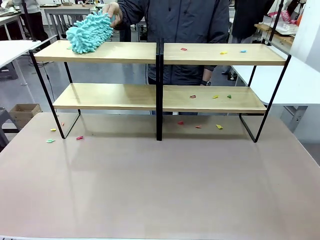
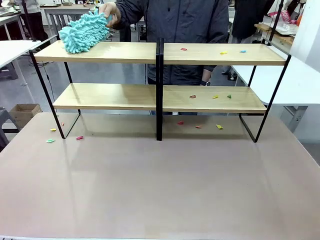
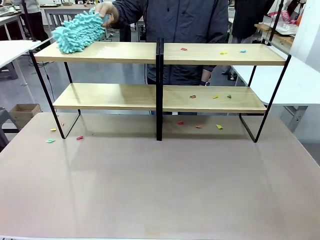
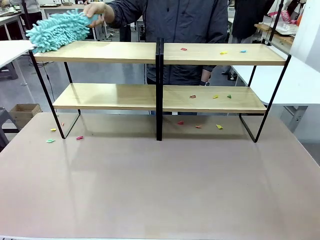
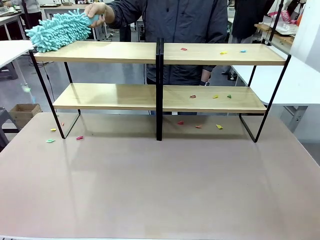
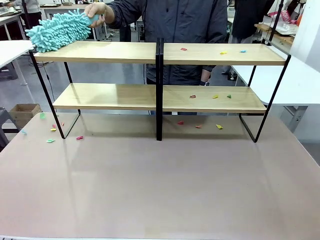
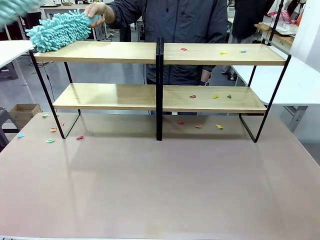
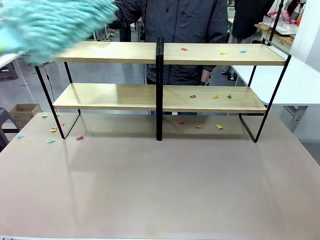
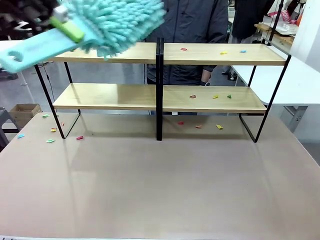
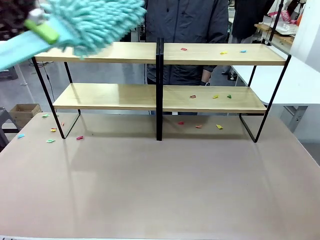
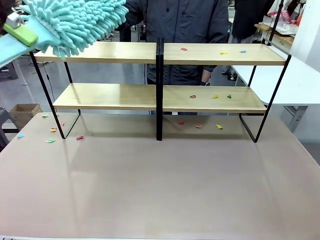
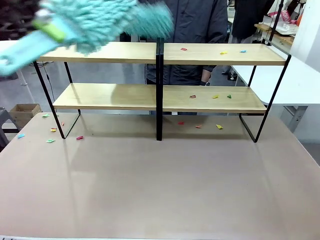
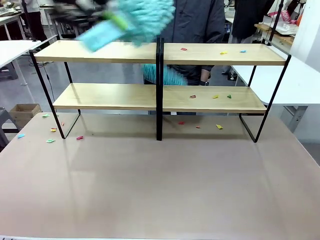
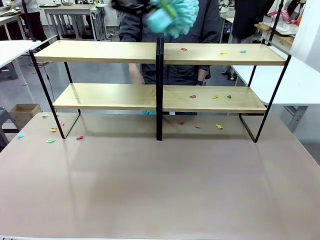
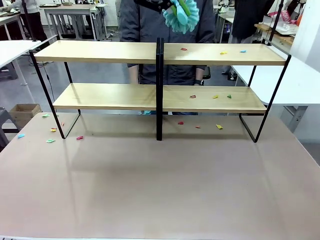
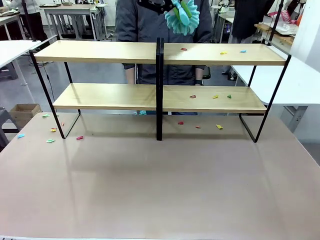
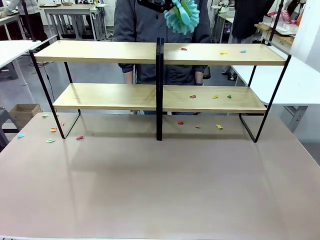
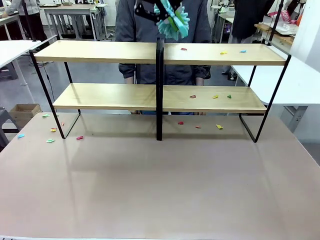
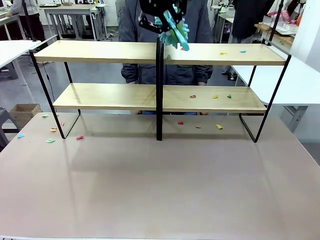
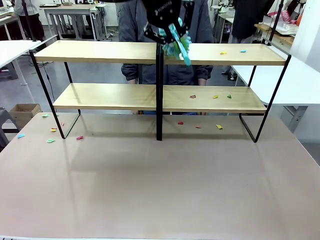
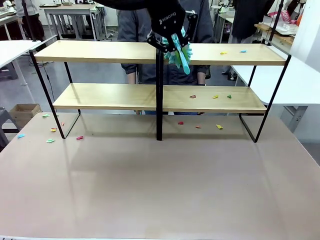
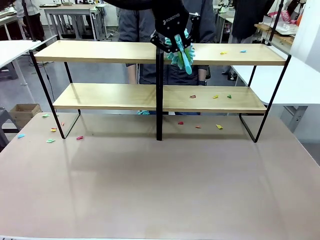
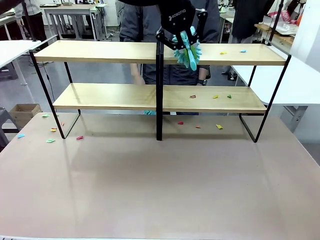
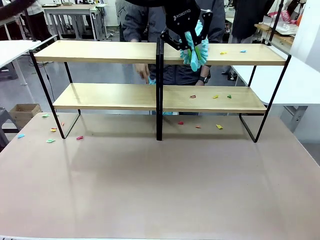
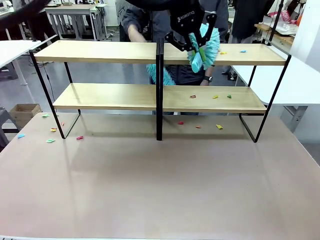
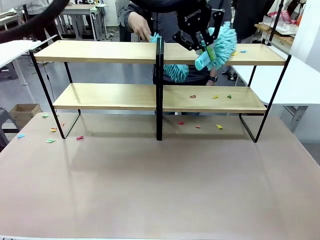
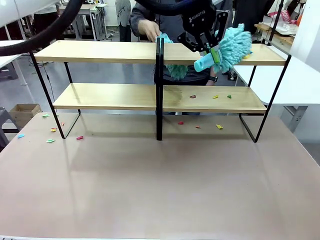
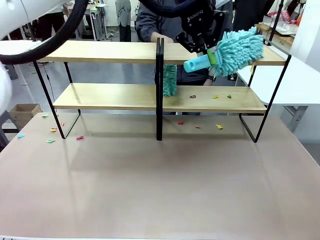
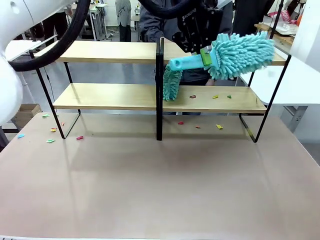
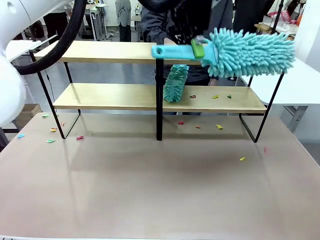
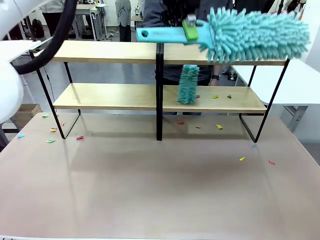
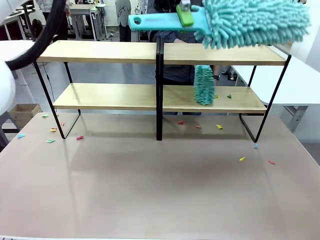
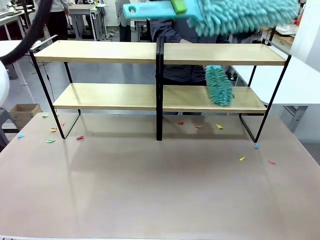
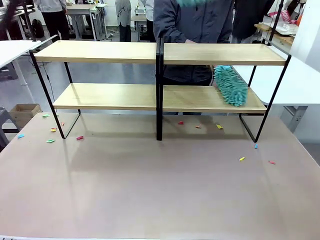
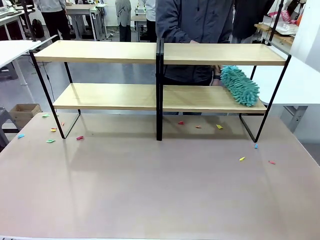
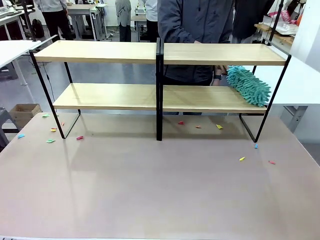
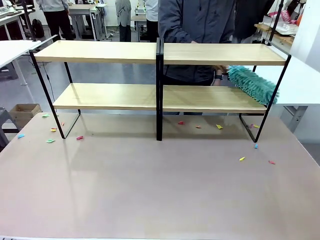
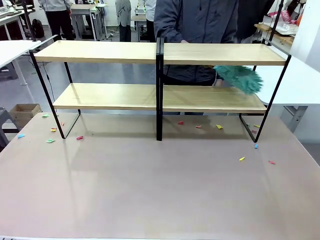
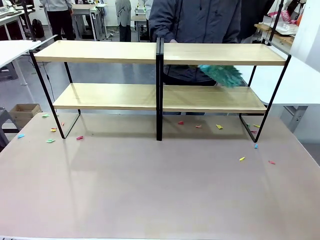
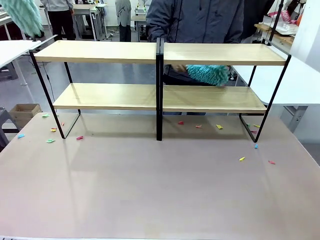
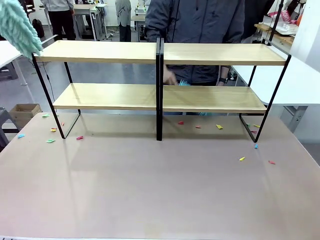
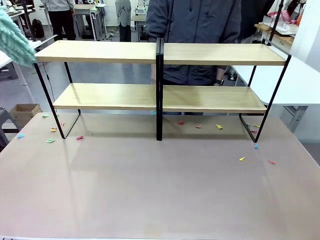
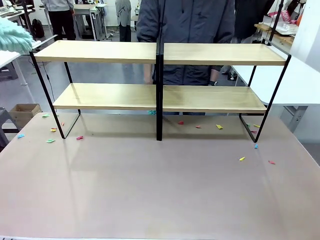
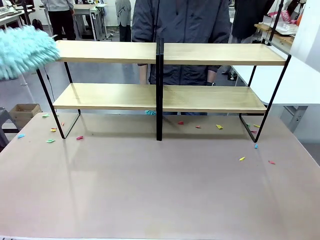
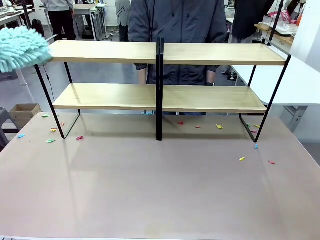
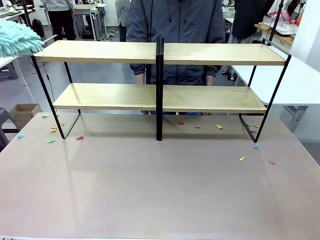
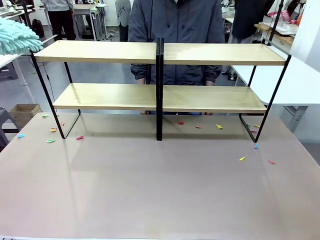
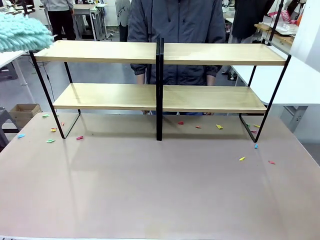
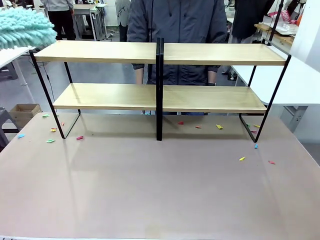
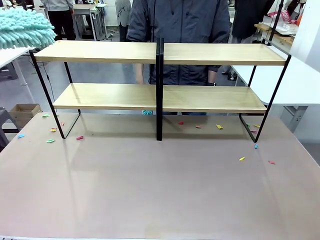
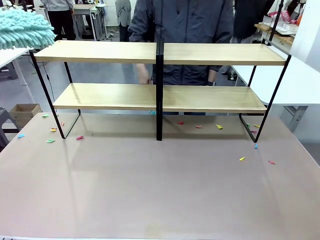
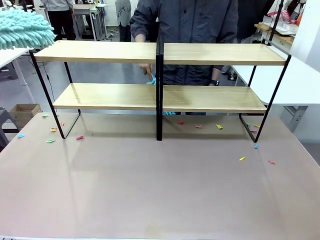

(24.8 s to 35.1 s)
Task: Clean the shelves.
Robot: Clean another randomly selected level of the Shelf with the Duster.

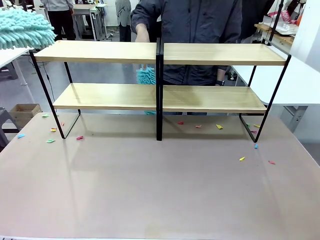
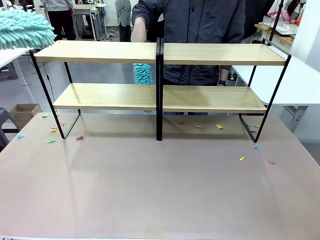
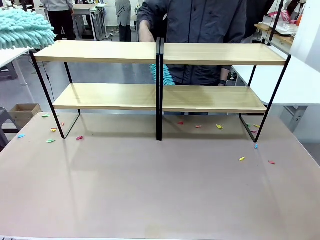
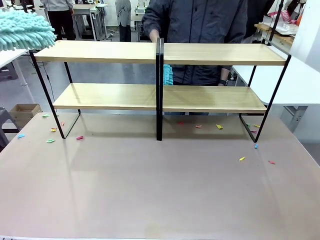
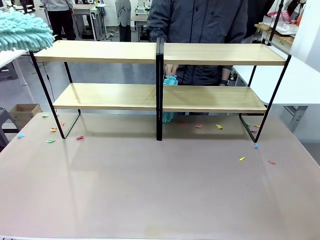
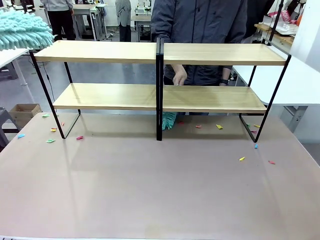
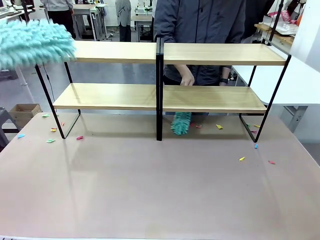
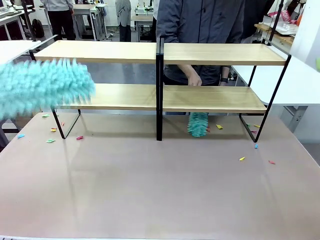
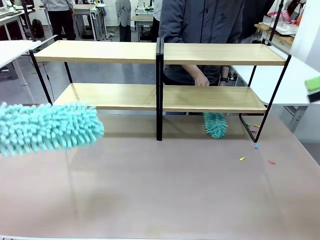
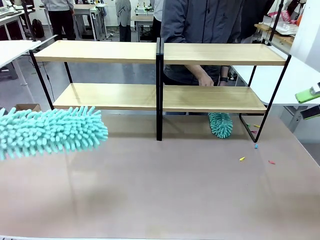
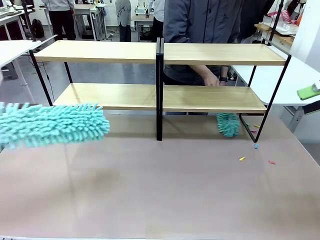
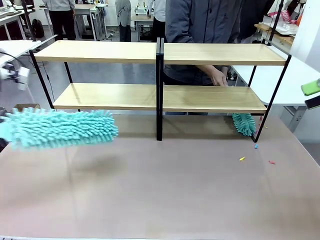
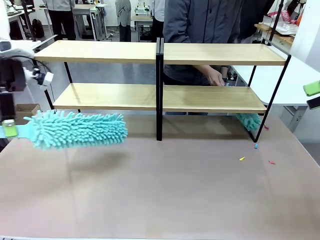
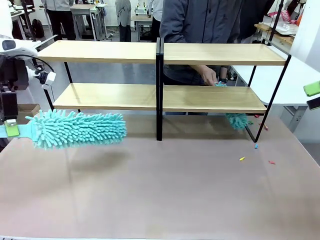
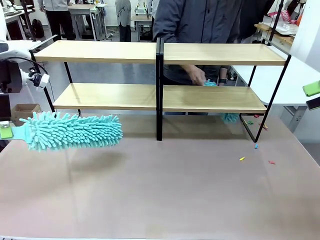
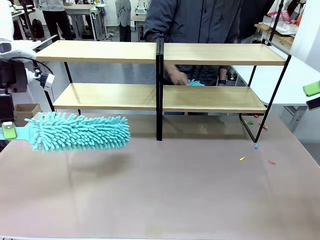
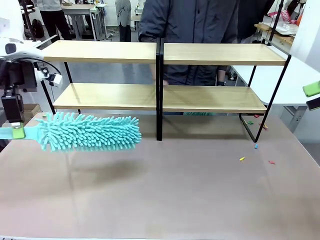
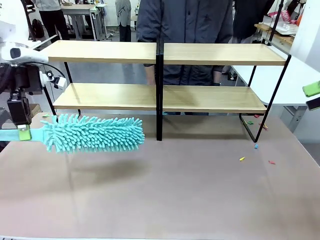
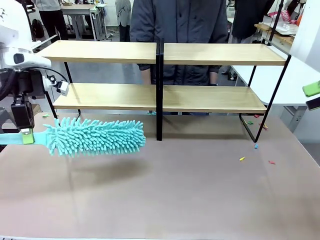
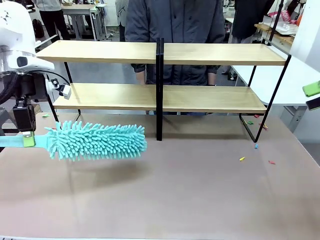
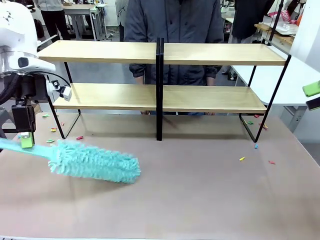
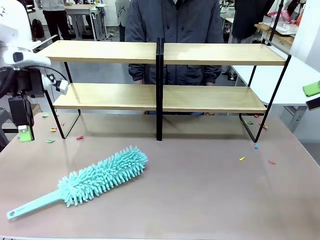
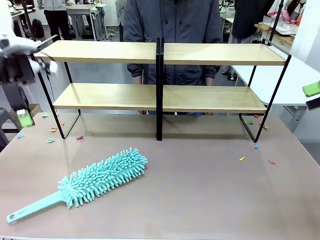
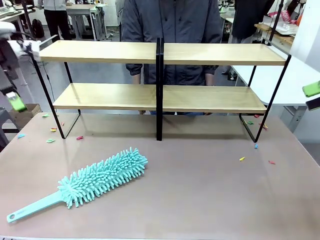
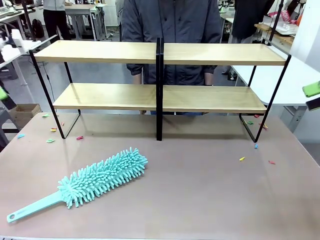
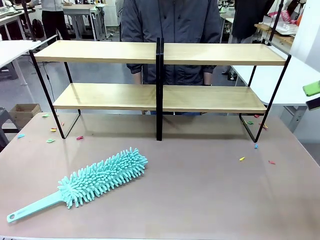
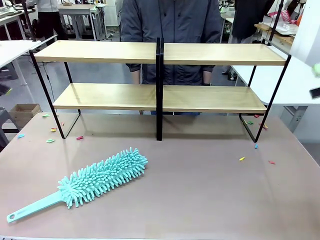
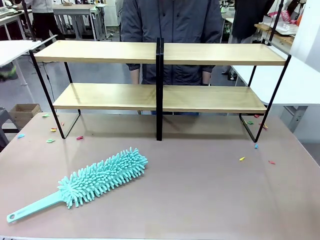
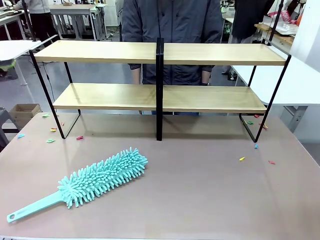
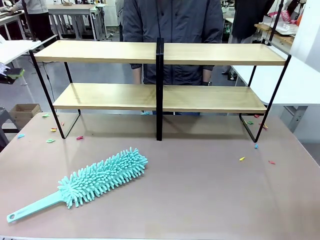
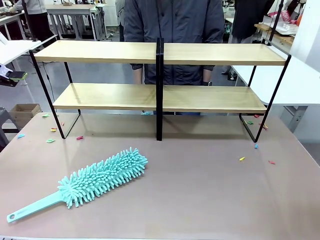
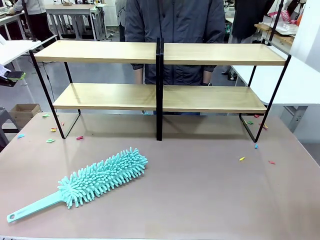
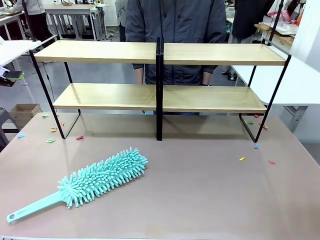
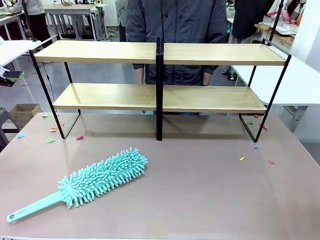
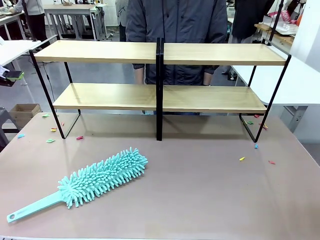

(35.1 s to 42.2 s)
Robot: Place the Duster on the table.

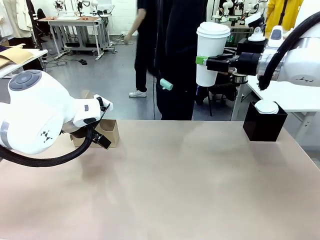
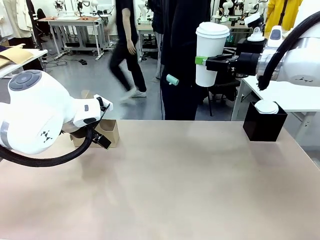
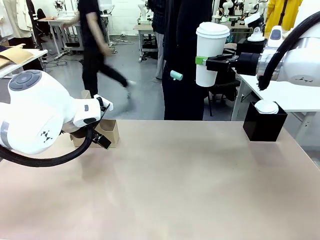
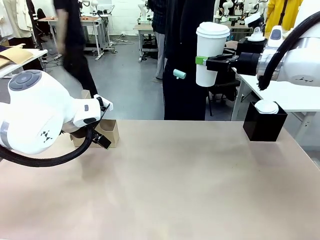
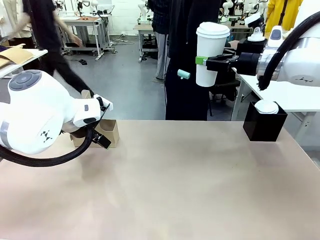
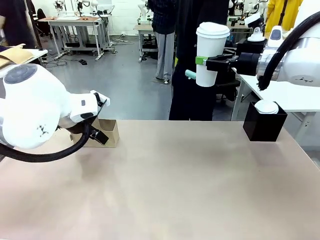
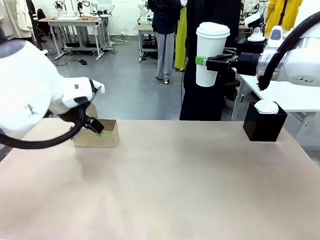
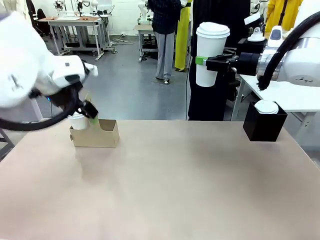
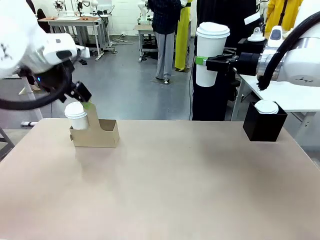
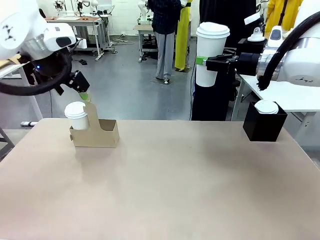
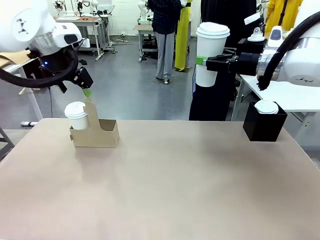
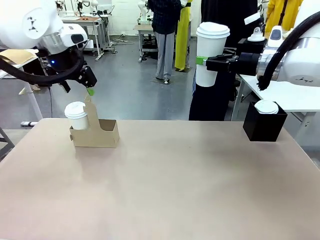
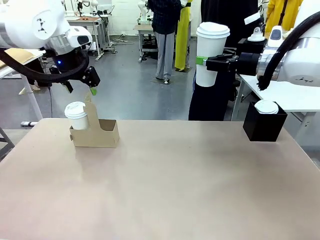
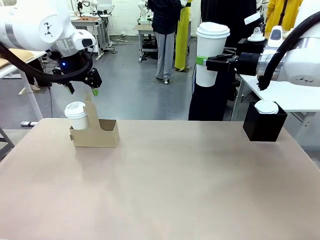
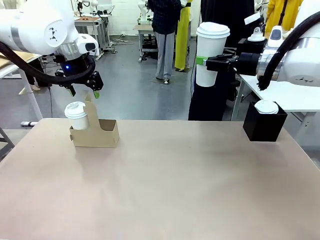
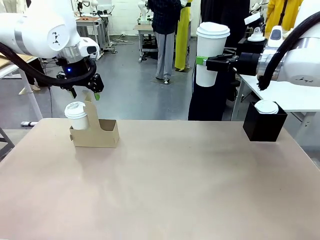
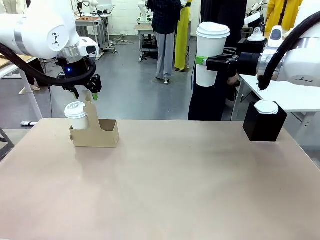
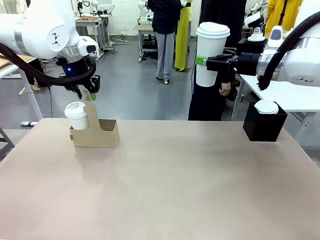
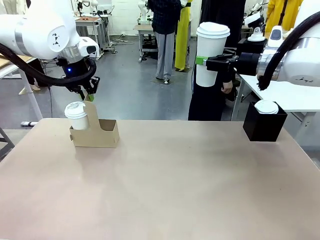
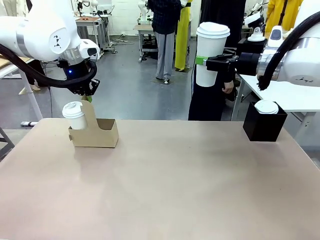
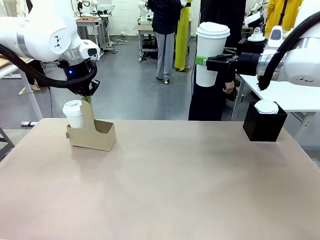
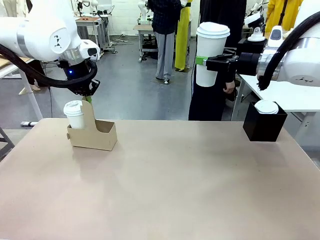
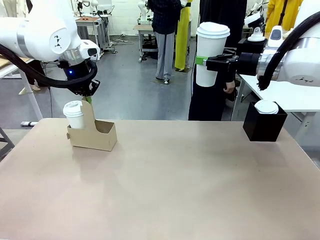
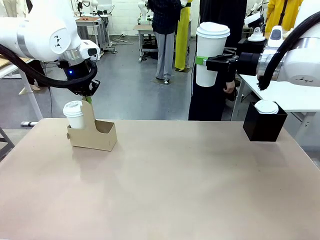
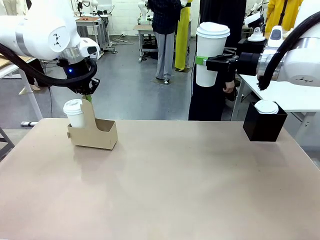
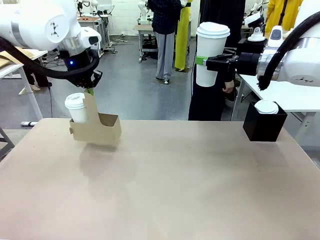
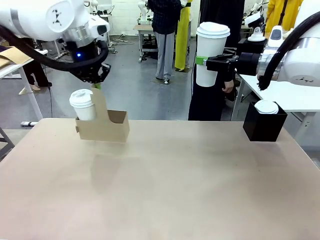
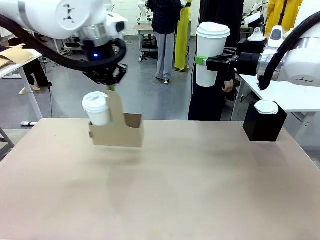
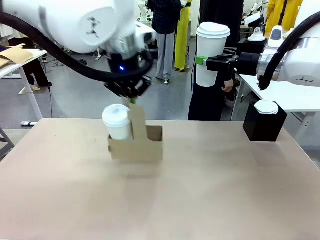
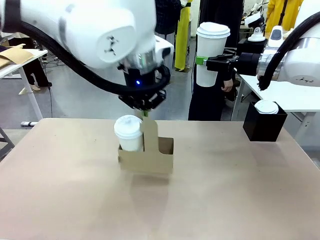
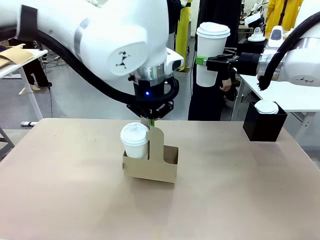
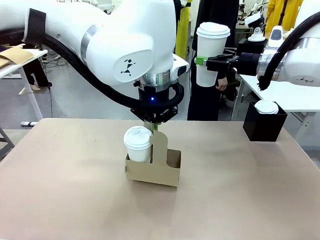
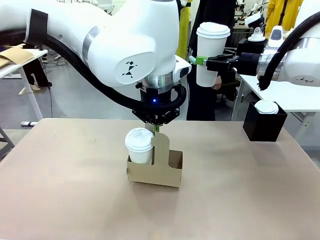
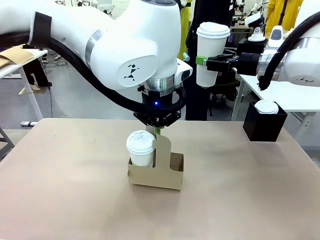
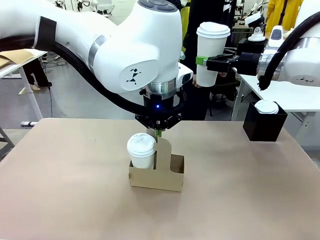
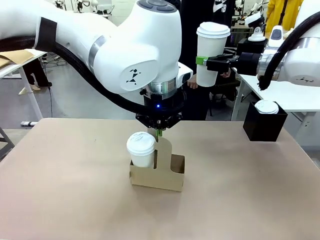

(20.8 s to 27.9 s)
Task: Pour a drink into a cup and package it in a carrier.
Robot: Position the Cup Carrier in the center of the table.
Person: Pick up the Filter Brewing and place on the middle of Human table, and return to the Robot table.
